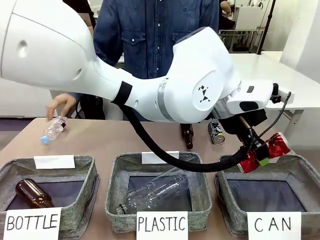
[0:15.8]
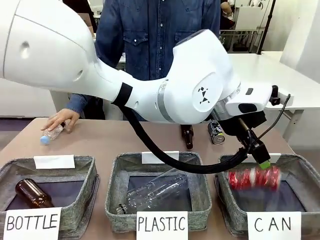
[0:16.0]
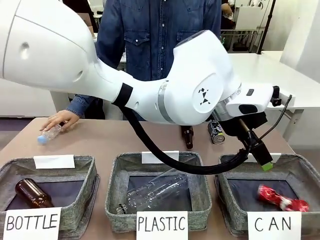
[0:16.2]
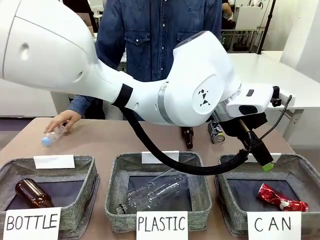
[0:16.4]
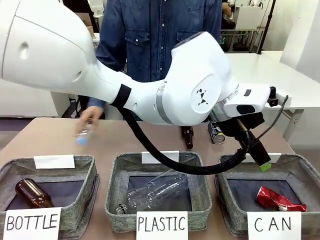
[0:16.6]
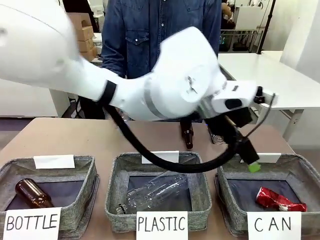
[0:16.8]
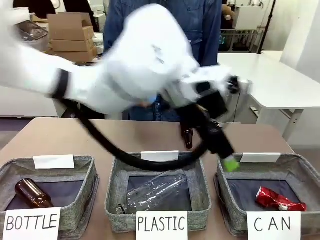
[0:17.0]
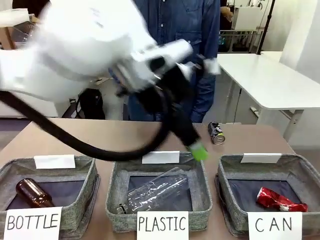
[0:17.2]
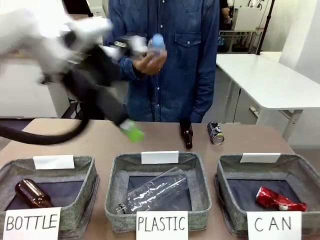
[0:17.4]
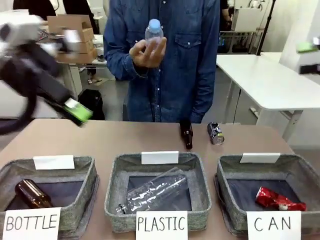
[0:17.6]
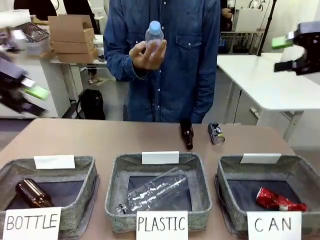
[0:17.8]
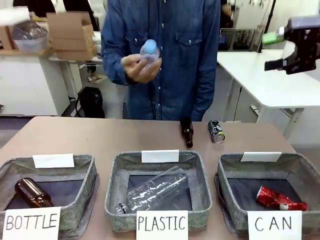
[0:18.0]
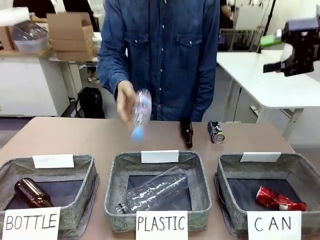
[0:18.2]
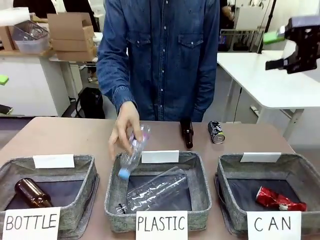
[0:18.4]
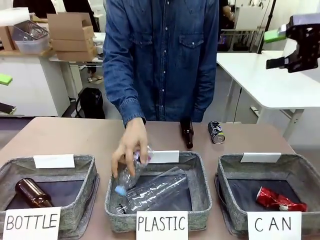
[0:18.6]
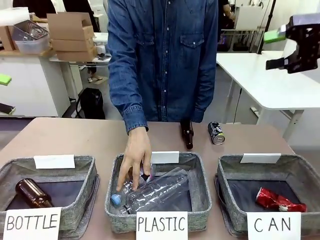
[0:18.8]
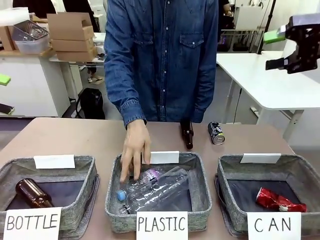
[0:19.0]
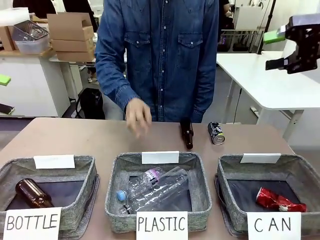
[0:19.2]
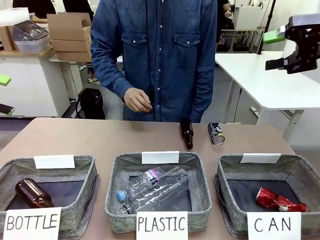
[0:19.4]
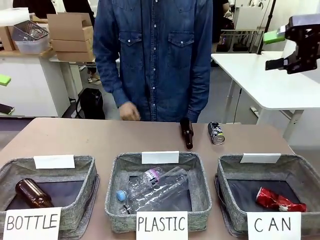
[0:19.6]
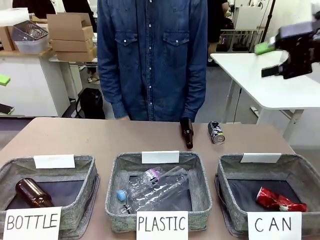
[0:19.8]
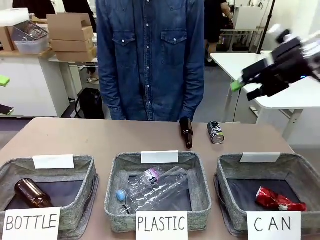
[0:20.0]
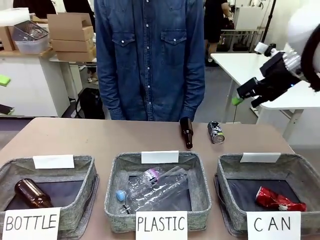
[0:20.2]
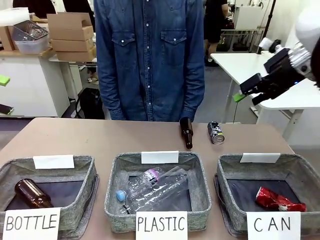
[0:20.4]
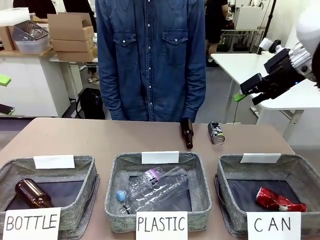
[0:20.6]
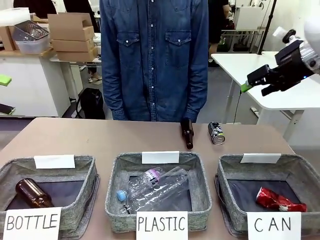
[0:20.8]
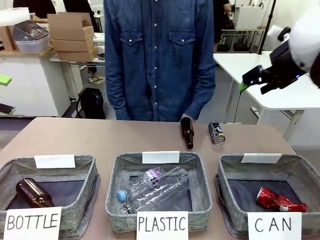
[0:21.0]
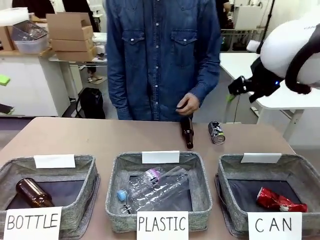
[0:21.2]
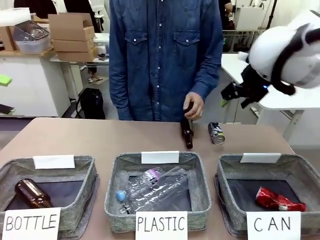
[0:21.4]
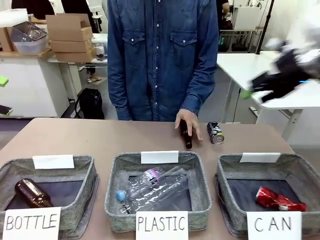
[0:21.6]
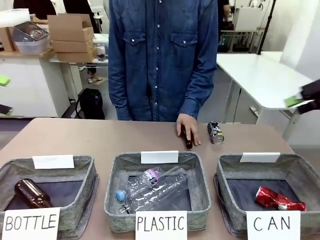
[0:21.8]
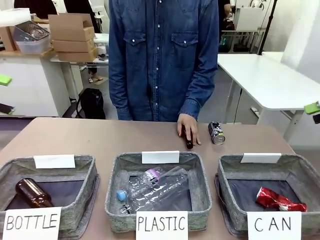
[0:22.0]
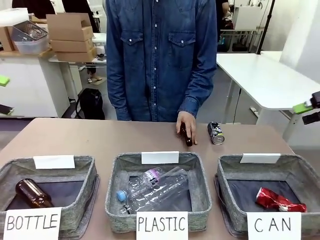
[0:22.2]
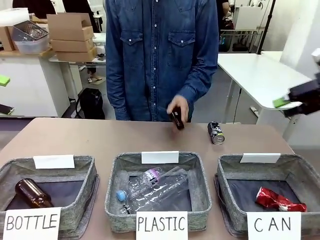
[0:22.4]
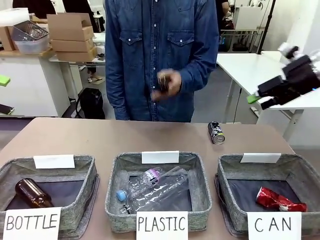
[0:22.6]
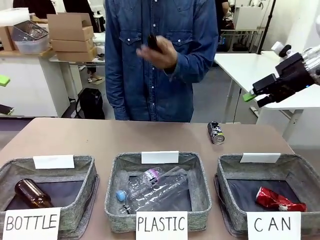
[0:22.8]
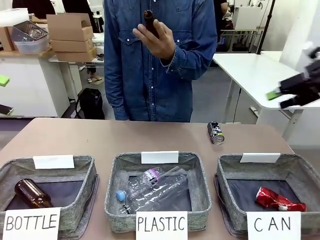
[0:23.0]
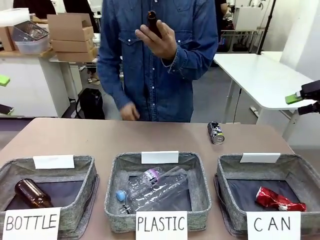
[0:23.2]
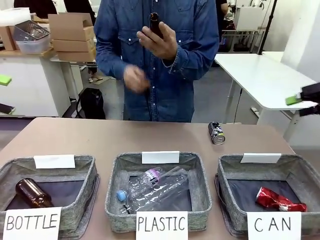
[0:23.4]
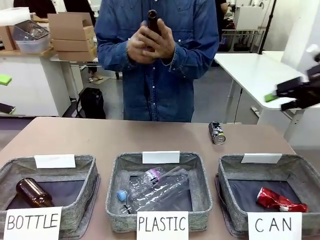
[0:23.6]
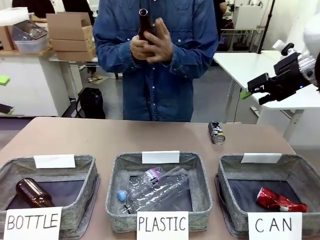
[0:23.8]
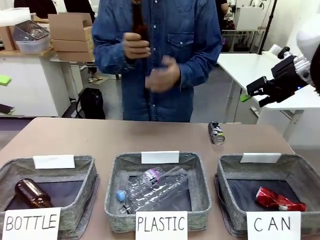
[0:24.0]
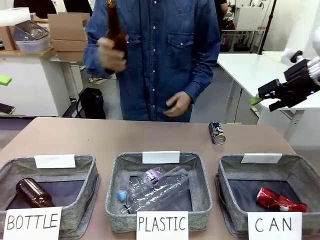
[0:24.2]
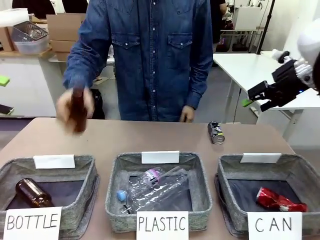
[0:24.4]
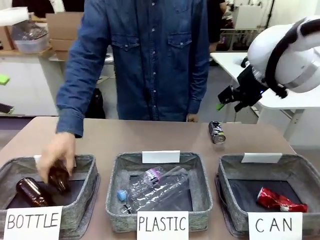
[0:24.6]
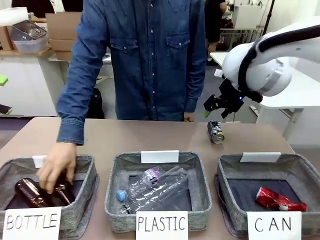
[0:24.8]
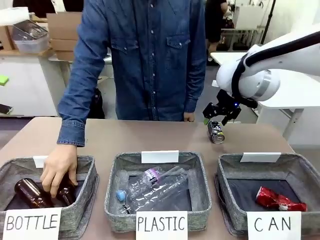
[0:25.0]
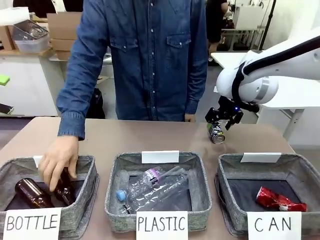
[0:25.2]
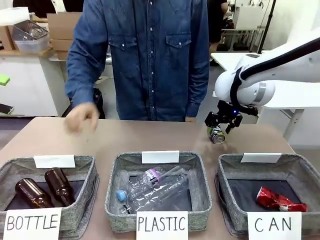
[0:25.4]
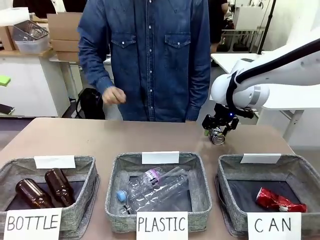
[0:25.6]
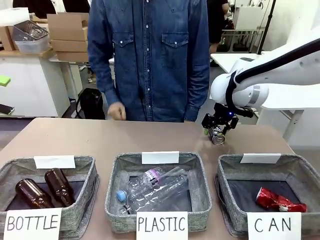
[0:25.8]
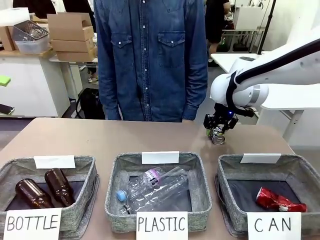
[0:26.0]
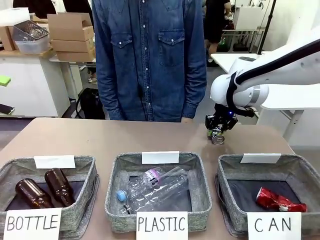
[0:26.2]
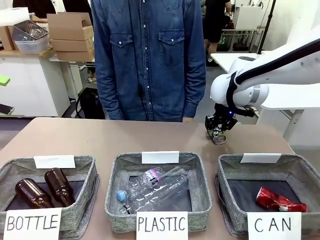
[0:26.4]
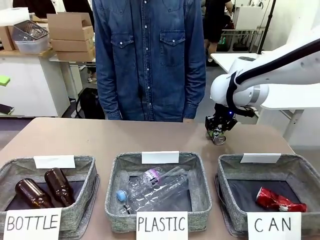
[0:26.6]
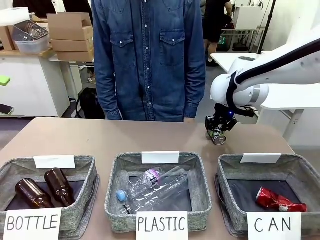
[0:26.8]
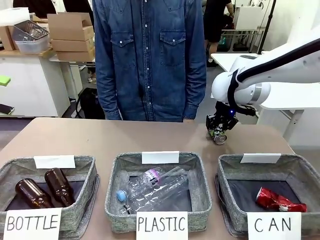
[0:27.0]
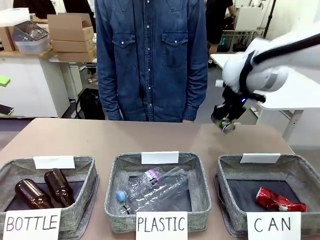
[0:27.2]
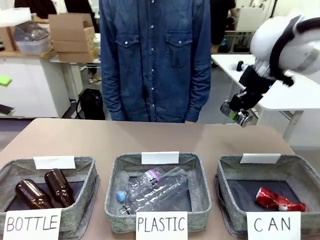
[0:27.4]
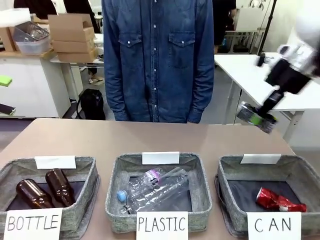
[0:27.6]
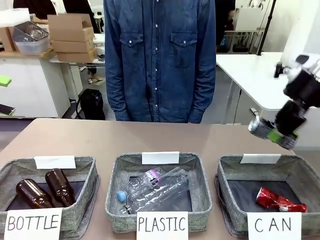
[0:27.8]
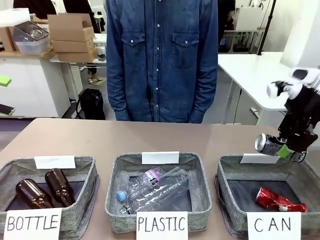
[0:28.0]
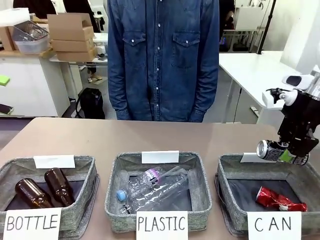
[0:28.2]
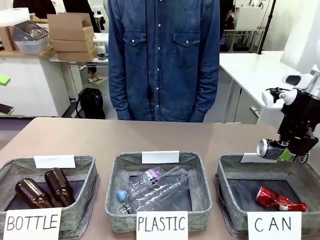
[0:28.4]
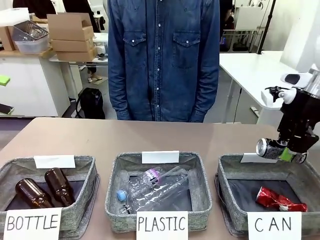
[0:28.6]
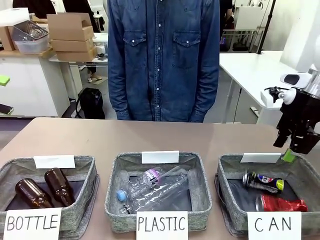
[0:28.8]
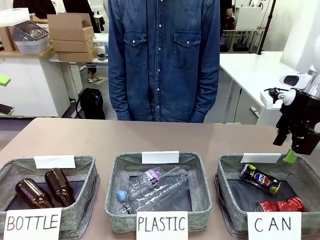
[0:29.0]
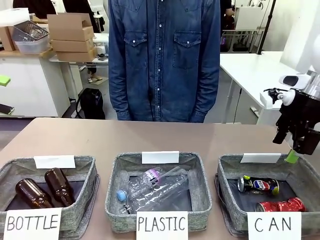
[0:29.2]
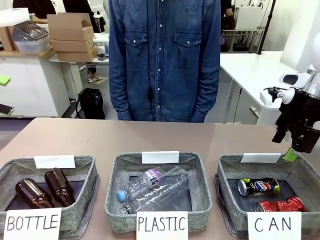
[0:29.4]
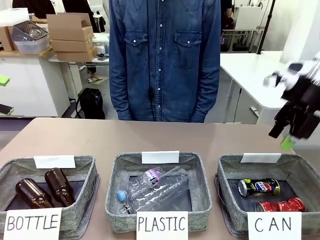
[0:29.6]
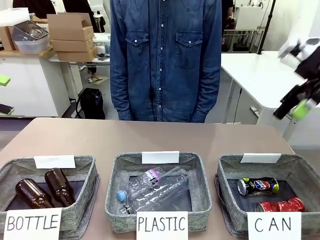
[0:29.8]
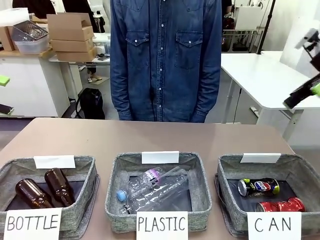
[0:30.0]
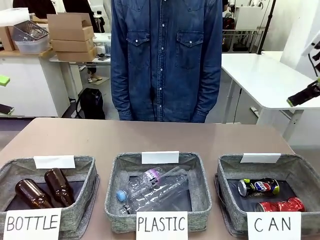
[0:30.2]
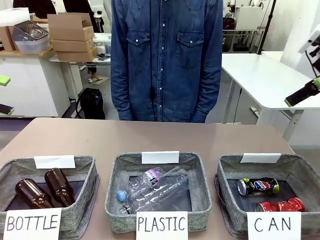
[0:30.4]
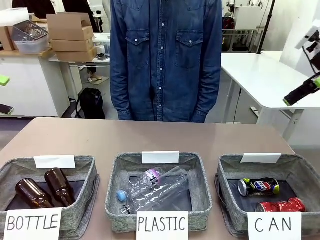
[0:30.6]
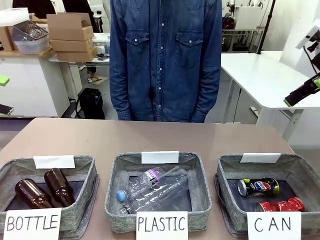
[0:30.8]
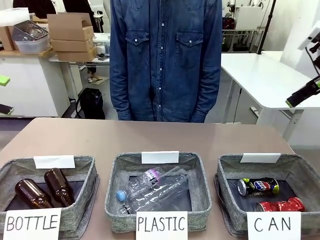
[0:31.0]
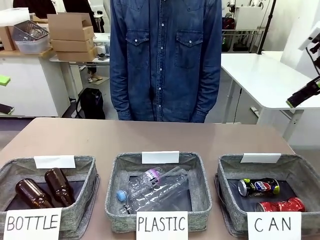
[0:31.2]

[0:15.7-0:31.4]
Task: Sort the can waste into the basket.
Robot: Pick up the can waste from the table and place it in the right Fabric basket.
